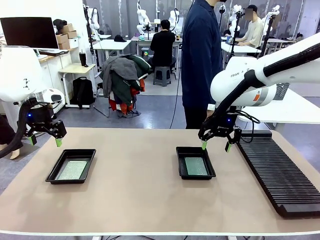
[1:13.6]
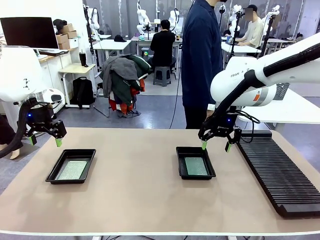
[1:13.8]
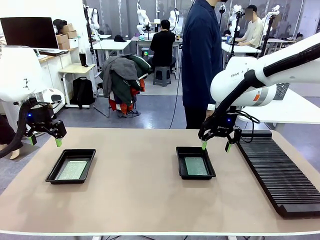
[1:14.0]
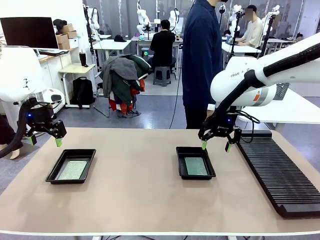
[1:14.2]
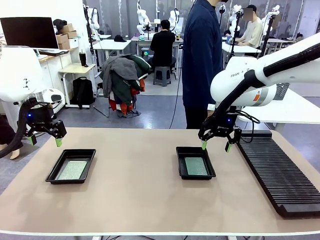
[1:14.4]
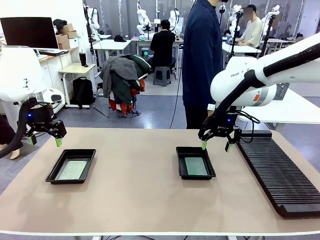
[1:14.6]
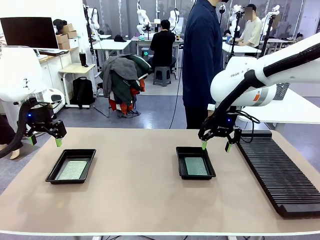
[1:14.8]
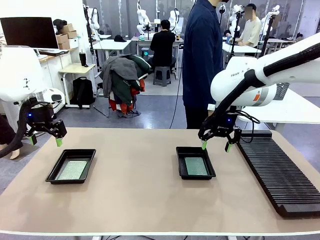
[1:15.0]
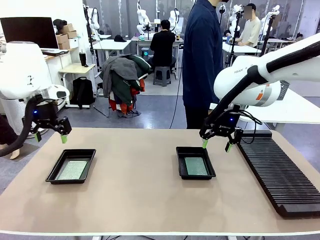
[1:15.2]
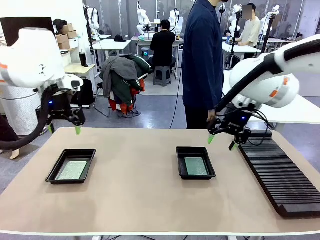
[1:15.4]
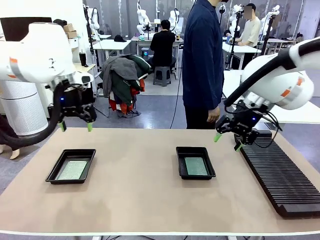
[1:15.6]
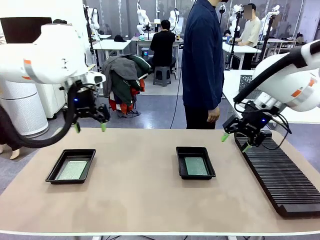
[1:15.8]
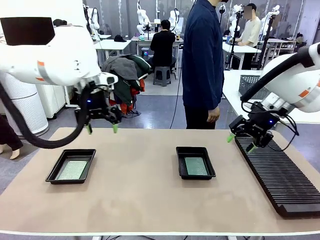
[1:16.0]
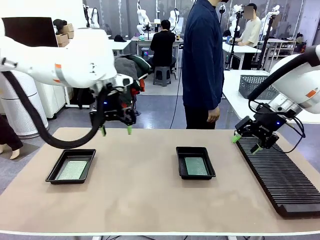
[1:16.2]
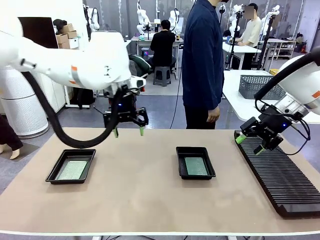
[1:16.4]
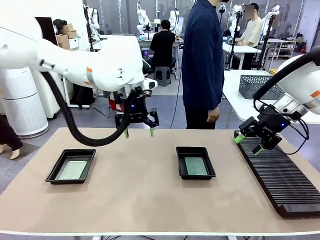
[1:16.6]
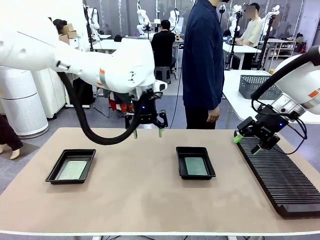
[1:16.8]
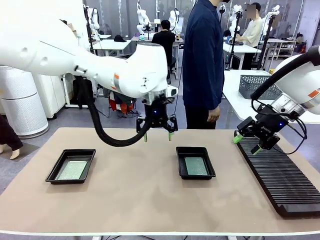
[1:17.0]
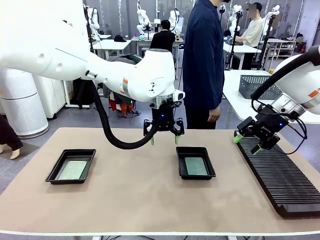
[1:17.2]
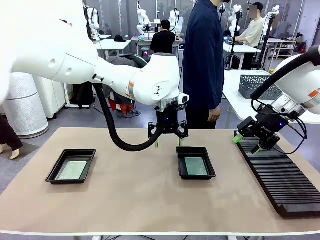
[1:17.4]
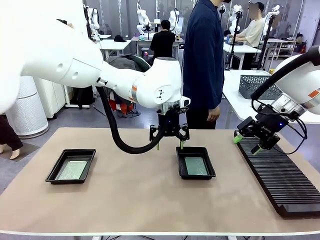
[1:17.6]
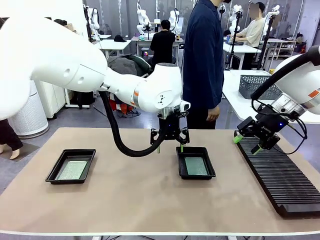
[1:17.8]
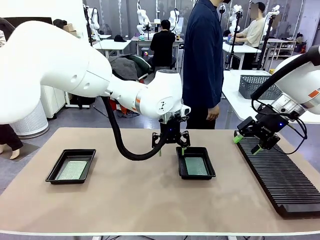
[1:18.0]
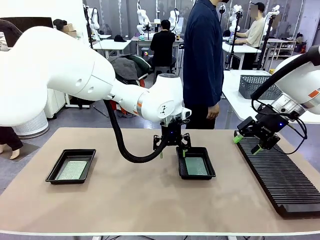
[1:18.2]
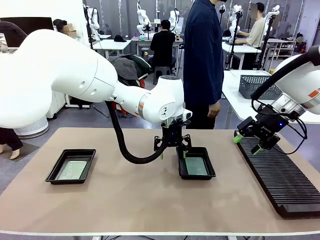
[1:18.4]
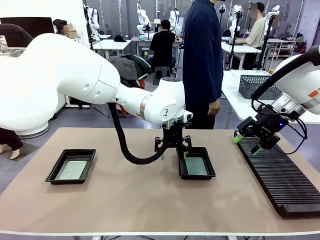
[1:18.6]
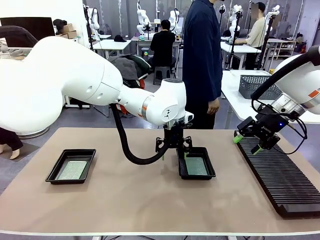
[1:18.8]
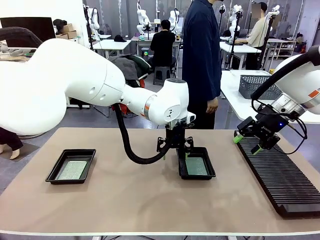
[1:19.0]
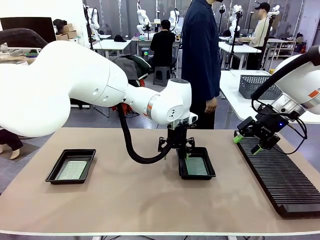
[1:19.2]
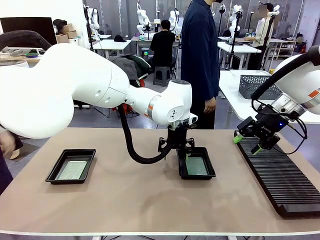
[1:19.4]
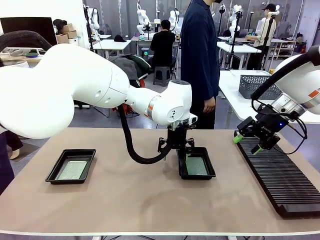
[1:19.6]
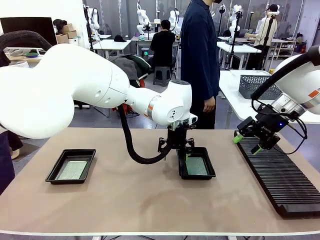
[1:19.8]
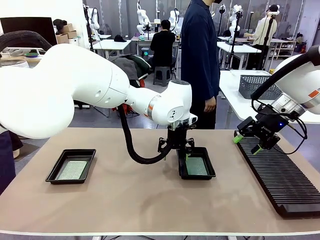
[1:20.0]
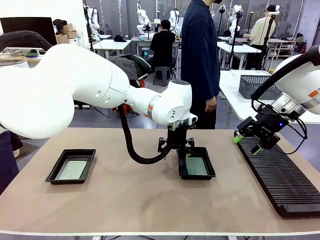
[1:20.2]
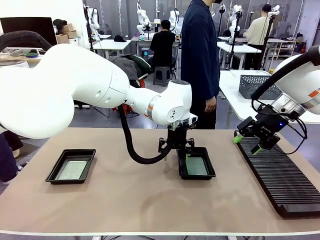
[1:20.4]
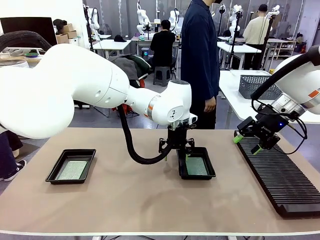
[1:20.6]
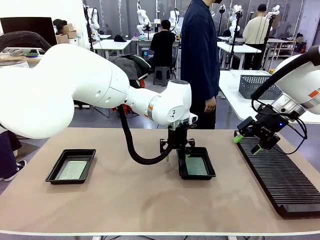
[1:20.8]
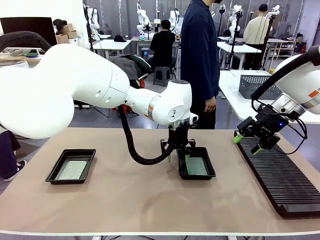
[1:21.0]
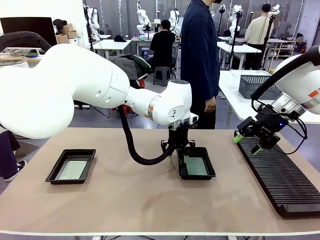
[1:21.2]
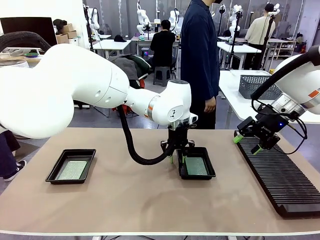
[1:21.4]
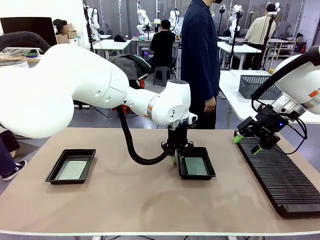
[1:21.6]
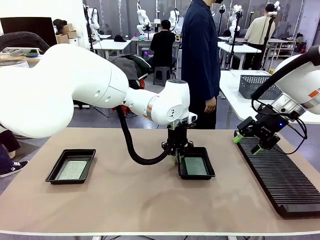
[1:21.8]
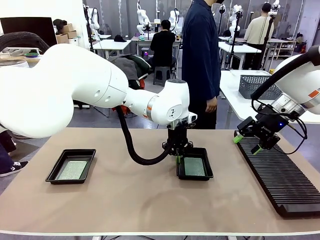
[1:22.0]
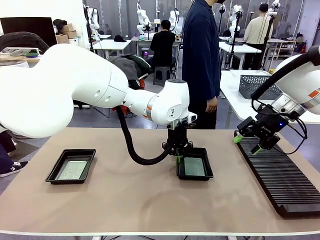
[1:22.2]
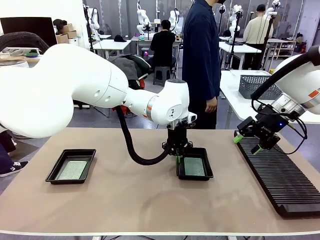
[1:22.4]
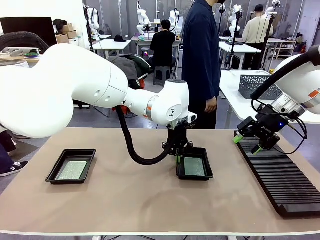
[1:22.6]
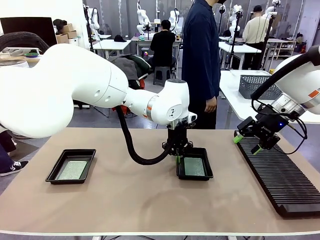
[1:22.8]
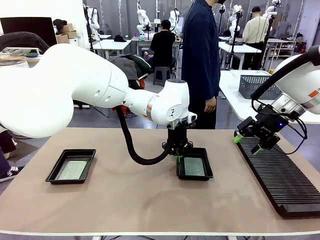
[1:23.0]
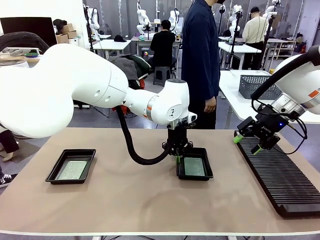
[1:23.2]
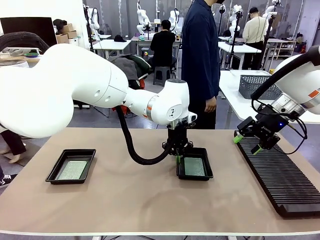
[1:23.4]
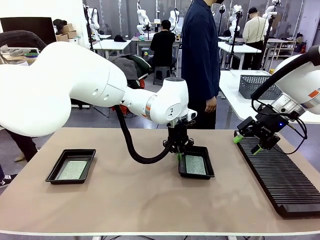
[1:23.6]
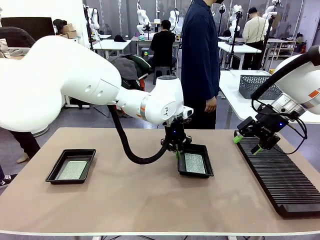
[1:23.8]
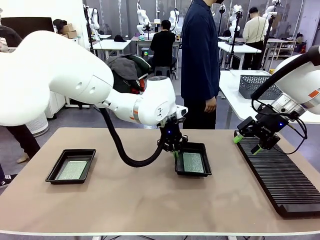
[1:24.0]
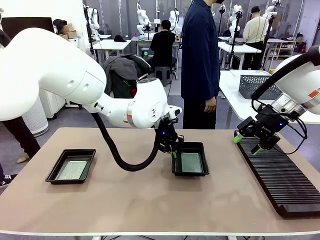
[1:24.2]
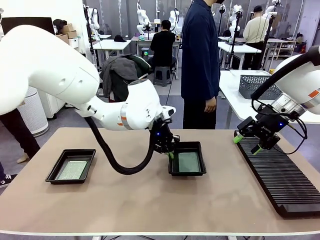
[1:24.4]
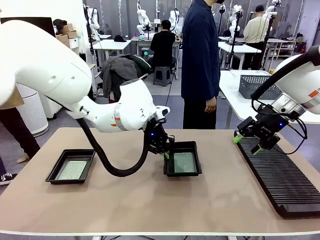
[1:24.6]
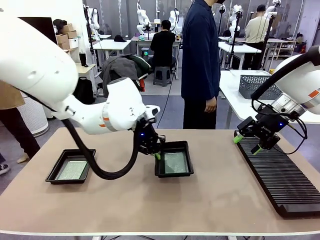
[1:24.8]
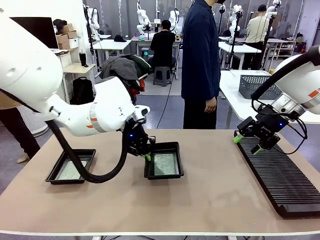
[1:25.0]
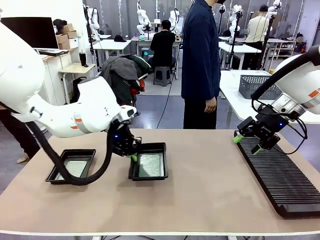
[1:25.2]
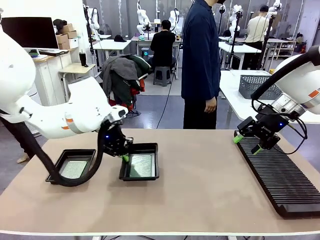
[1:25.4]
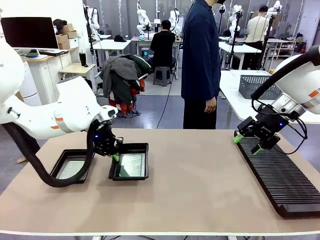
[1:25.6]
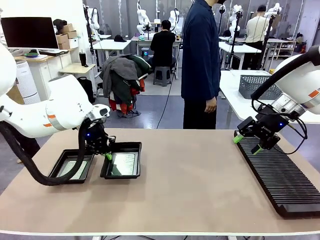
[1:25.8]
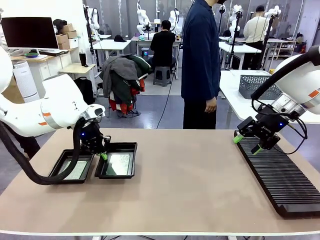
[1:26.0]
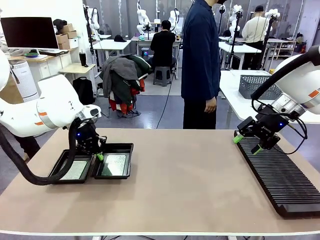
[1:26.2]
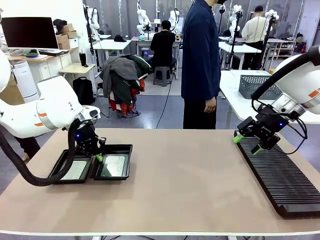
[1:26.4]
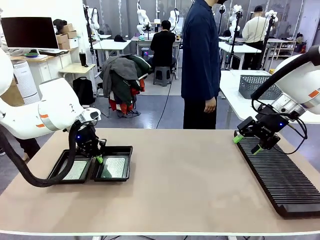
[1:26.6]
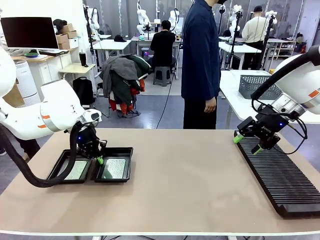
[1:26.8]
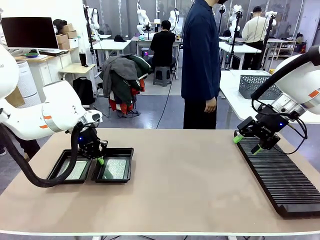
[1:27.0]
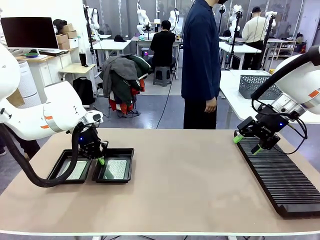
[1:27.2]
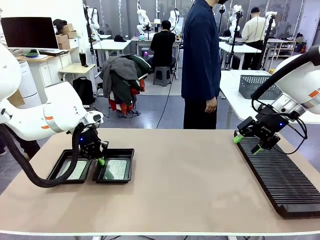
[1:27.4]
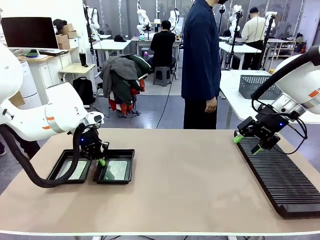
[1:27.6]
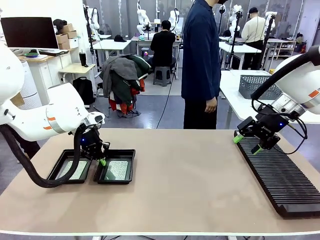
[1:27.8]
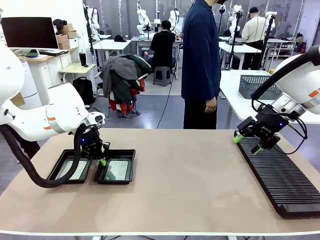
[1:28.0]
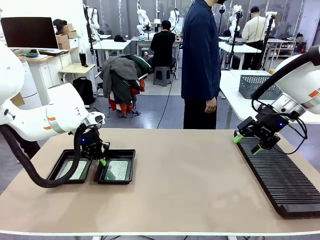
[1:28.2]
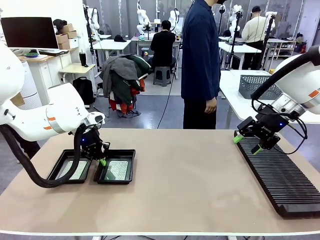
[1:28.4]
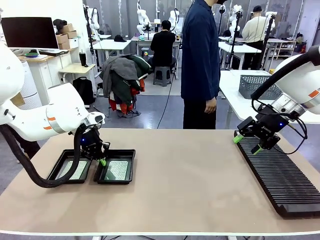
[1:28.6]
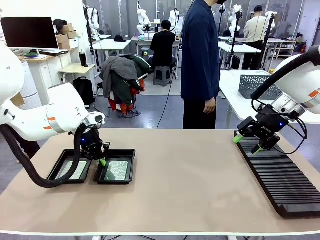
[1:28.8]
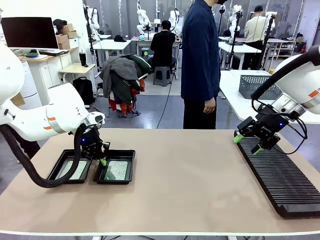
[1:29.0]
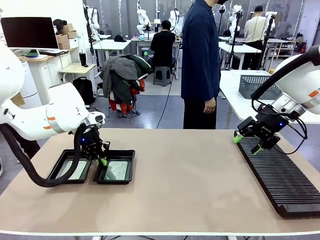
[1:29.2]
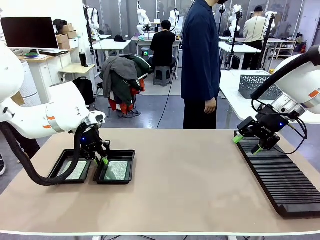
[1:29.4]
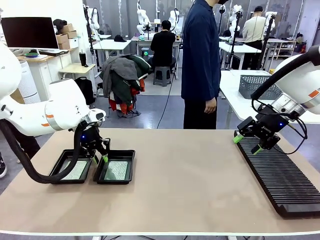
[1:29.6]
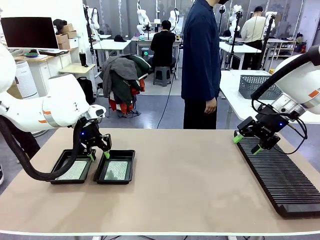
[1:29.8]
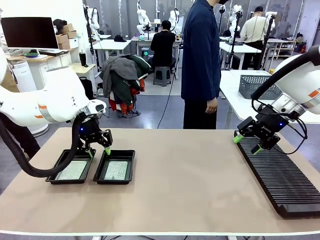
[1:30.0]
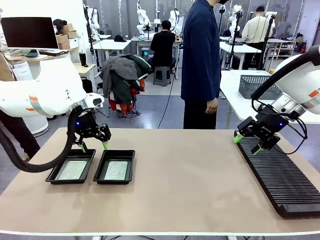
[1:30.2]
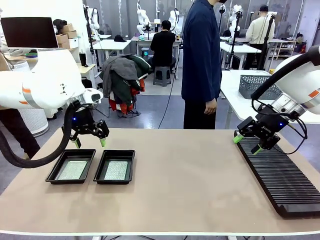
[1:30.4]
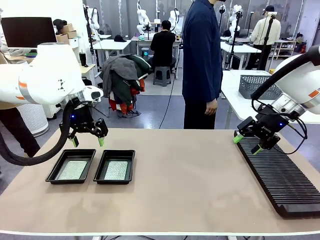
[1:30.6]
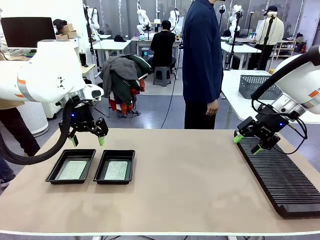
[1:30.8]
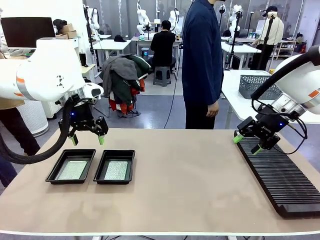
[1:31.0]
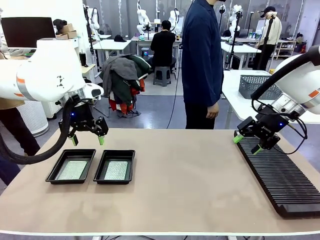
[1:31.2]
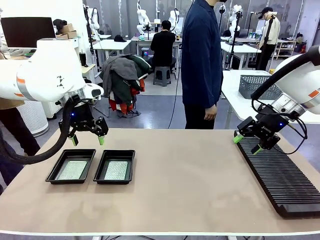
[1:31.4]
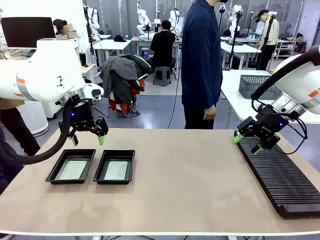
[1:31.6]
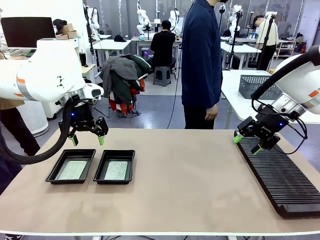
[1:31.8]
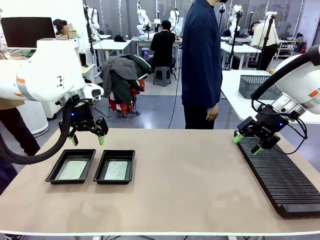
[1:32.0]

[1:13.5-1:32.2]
Task: Inspect and transfer BCBs to ESD trays.
Robot: Pick up the ESD tray and place it on the left side of the table.
